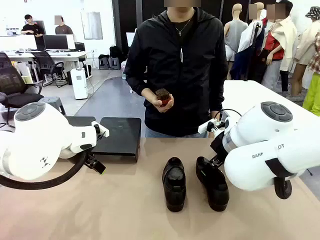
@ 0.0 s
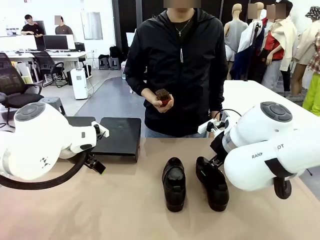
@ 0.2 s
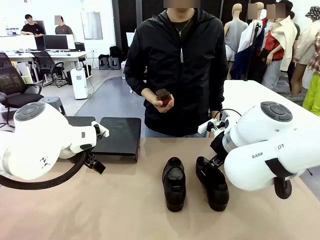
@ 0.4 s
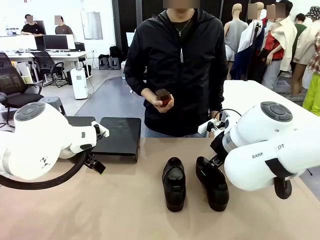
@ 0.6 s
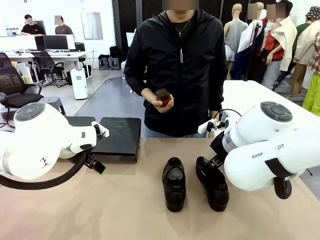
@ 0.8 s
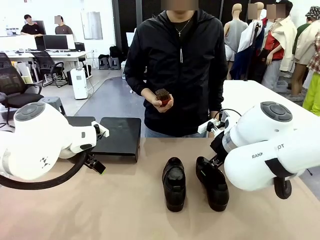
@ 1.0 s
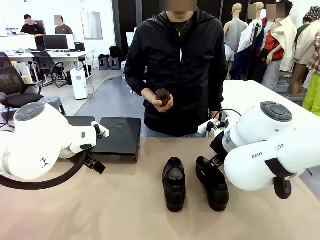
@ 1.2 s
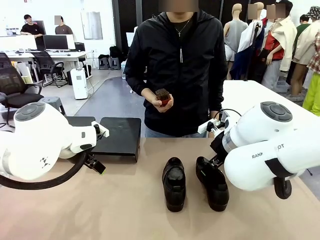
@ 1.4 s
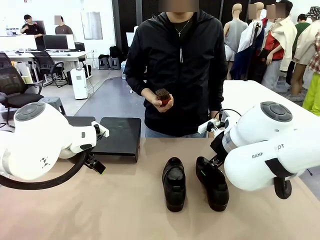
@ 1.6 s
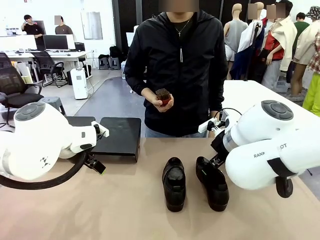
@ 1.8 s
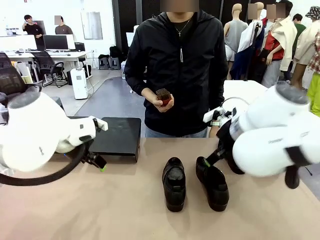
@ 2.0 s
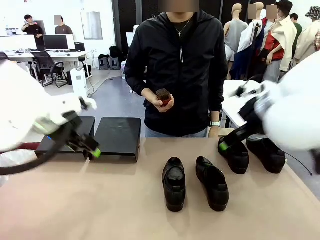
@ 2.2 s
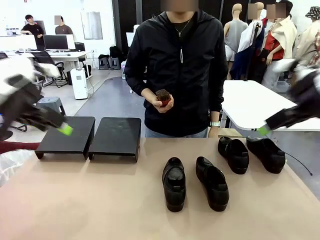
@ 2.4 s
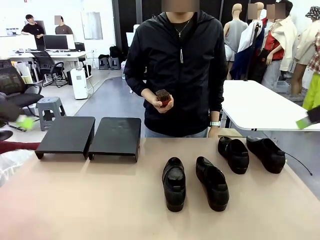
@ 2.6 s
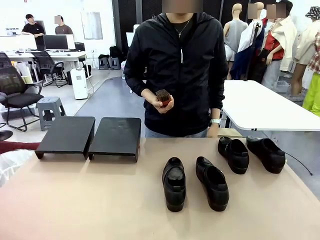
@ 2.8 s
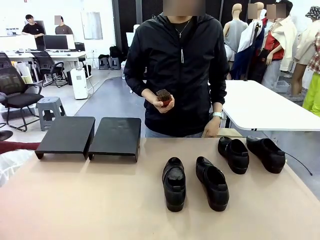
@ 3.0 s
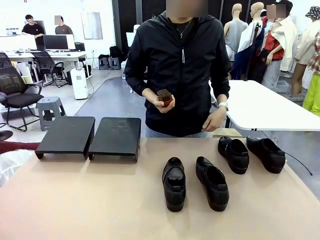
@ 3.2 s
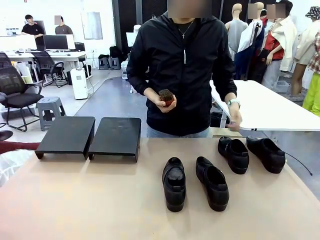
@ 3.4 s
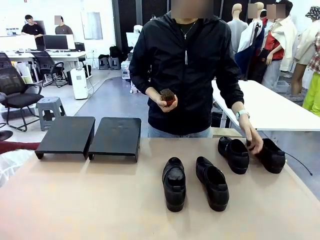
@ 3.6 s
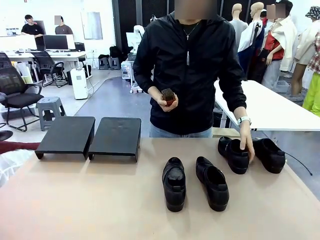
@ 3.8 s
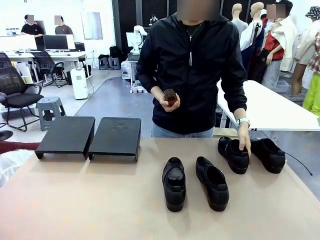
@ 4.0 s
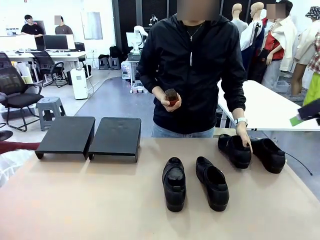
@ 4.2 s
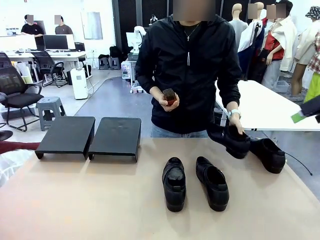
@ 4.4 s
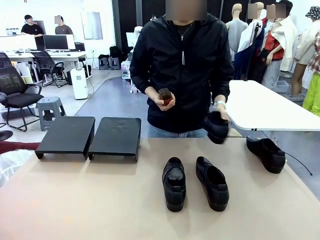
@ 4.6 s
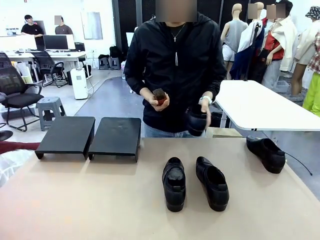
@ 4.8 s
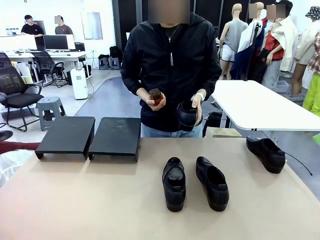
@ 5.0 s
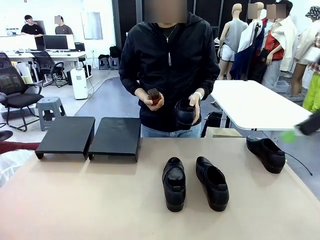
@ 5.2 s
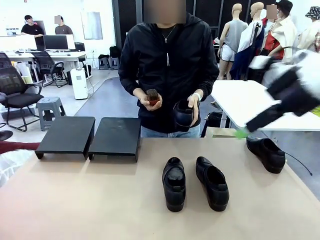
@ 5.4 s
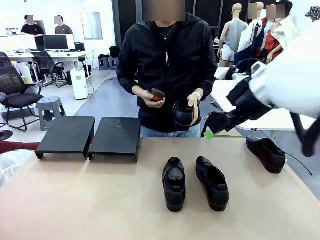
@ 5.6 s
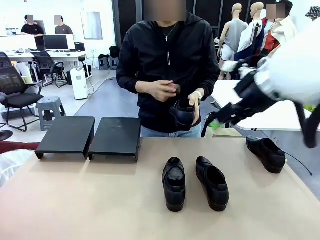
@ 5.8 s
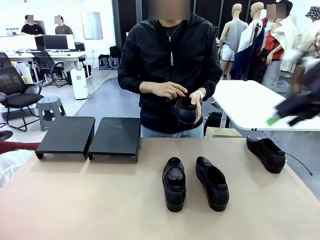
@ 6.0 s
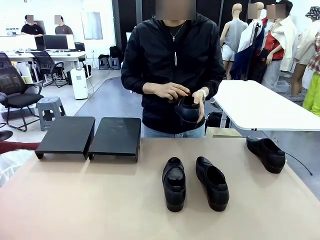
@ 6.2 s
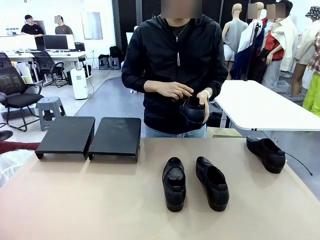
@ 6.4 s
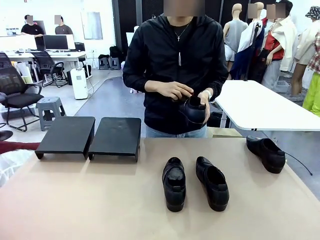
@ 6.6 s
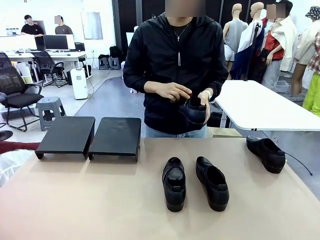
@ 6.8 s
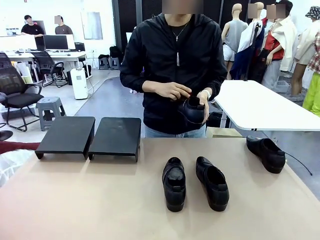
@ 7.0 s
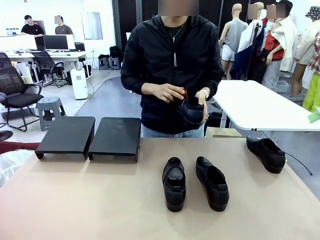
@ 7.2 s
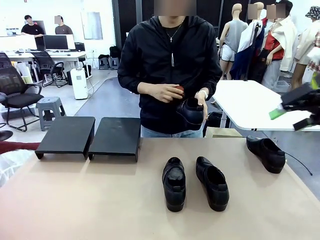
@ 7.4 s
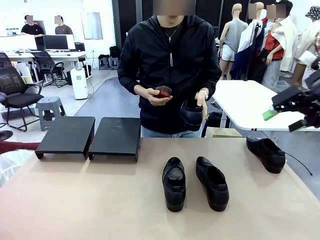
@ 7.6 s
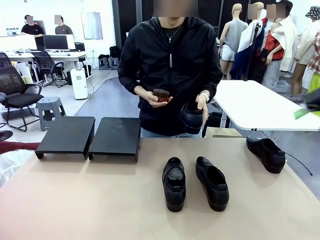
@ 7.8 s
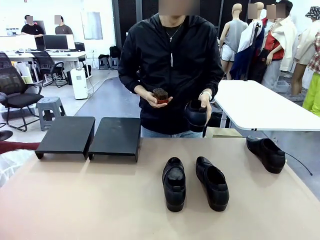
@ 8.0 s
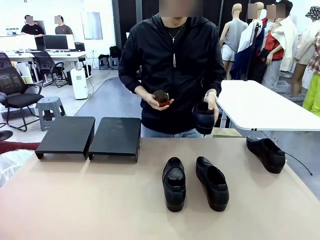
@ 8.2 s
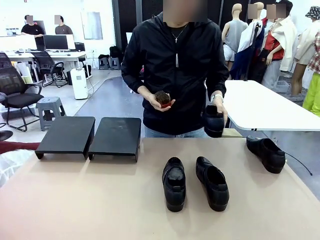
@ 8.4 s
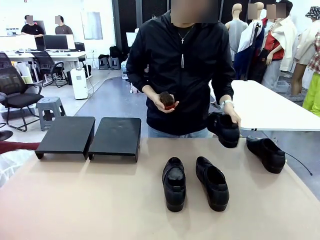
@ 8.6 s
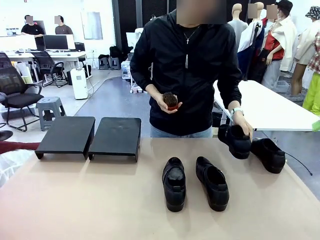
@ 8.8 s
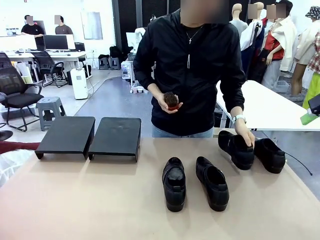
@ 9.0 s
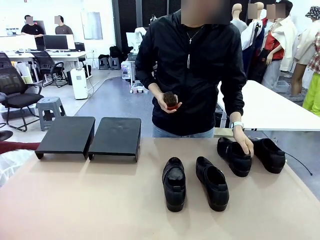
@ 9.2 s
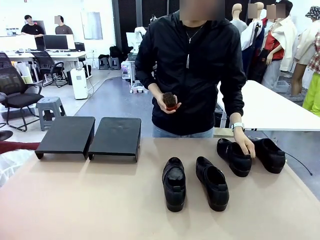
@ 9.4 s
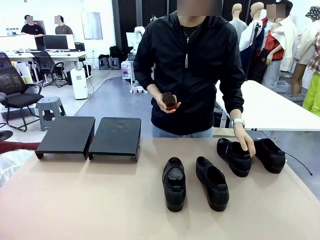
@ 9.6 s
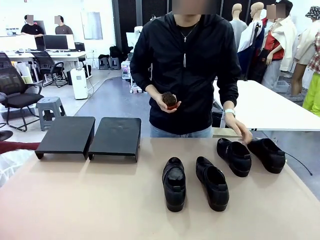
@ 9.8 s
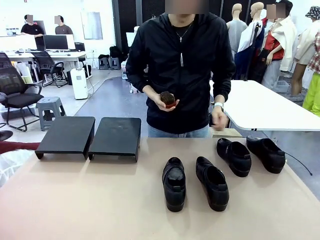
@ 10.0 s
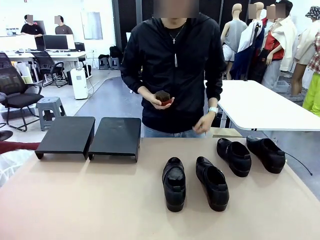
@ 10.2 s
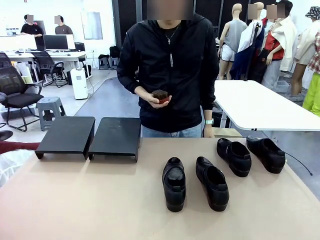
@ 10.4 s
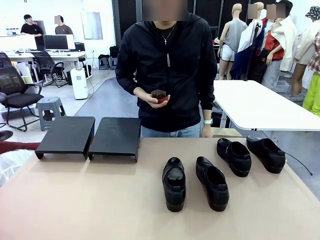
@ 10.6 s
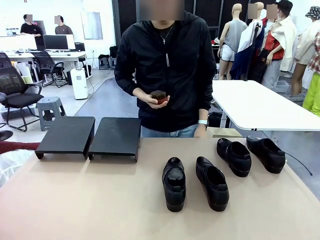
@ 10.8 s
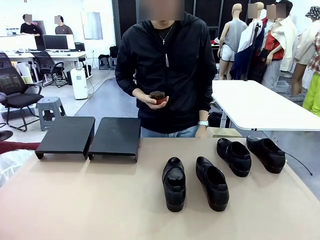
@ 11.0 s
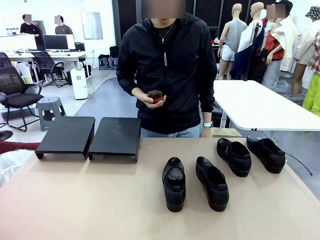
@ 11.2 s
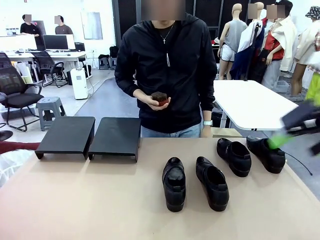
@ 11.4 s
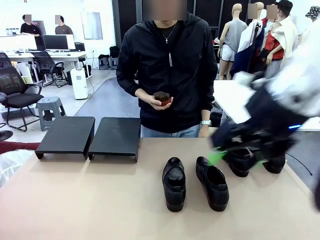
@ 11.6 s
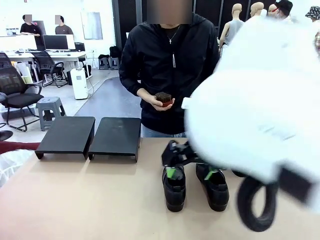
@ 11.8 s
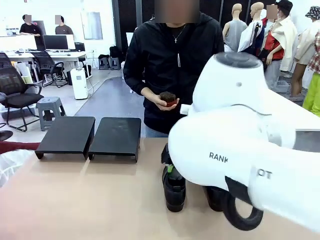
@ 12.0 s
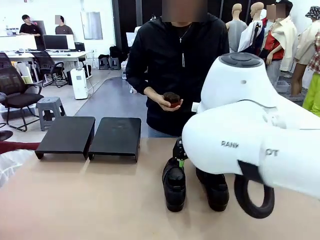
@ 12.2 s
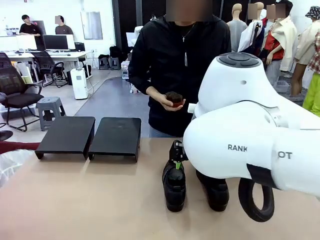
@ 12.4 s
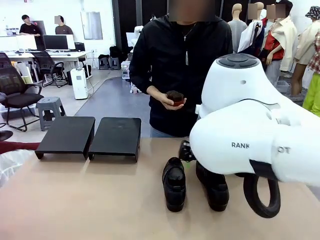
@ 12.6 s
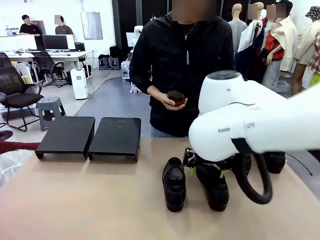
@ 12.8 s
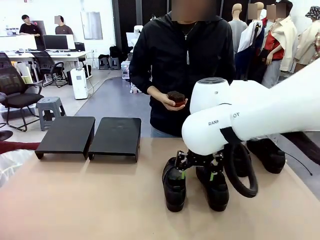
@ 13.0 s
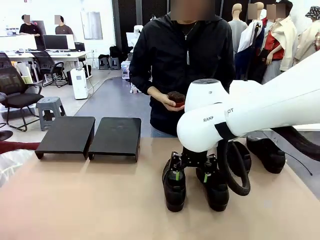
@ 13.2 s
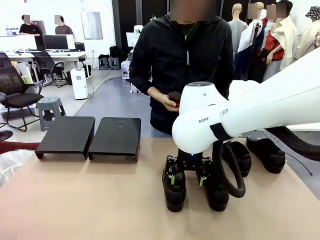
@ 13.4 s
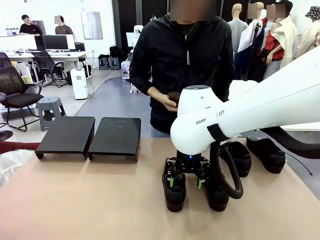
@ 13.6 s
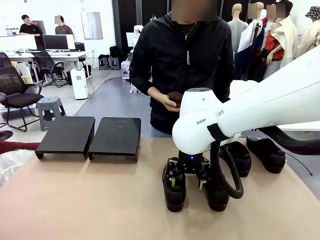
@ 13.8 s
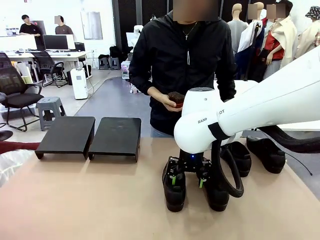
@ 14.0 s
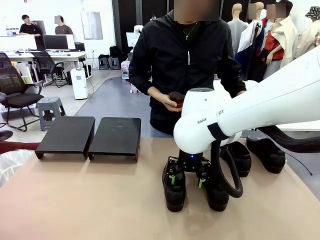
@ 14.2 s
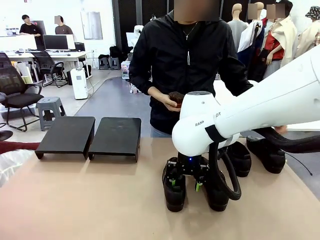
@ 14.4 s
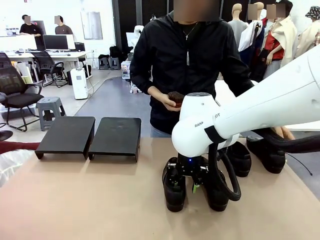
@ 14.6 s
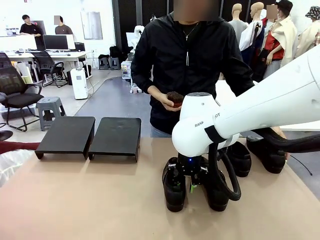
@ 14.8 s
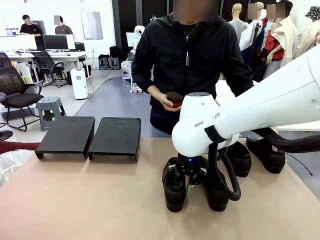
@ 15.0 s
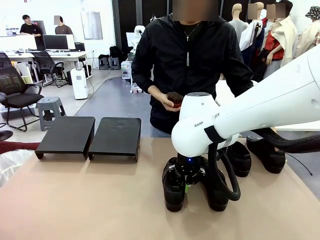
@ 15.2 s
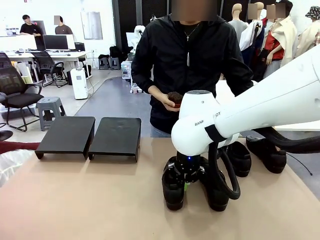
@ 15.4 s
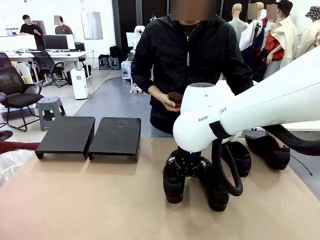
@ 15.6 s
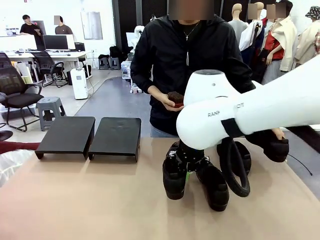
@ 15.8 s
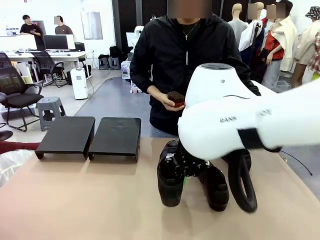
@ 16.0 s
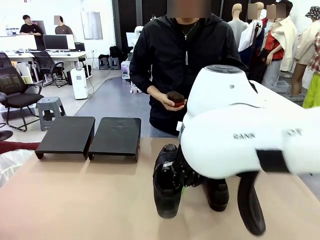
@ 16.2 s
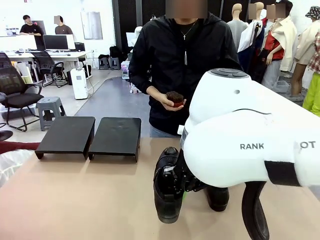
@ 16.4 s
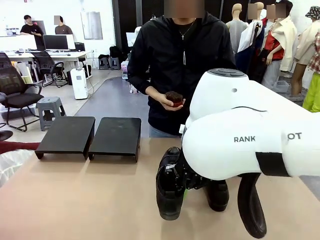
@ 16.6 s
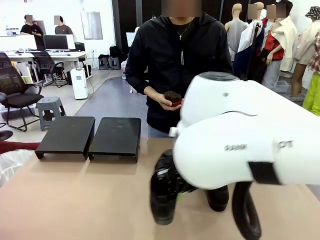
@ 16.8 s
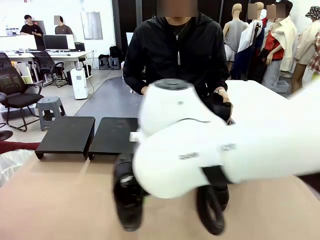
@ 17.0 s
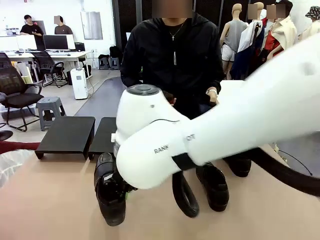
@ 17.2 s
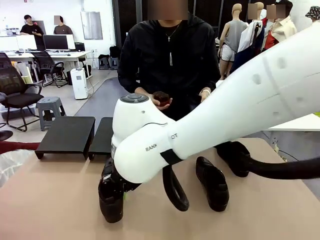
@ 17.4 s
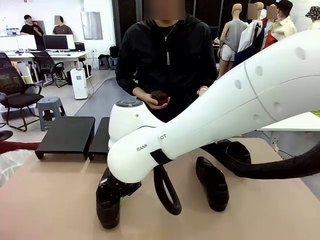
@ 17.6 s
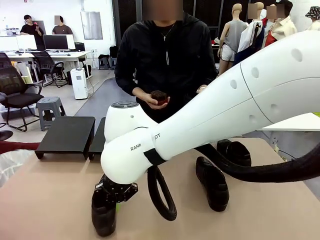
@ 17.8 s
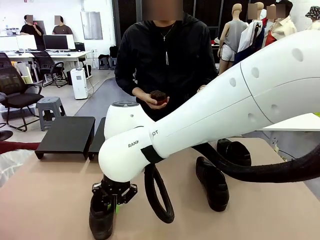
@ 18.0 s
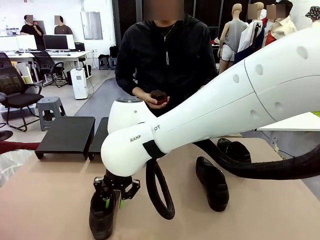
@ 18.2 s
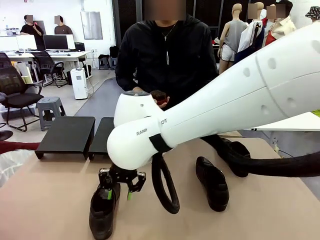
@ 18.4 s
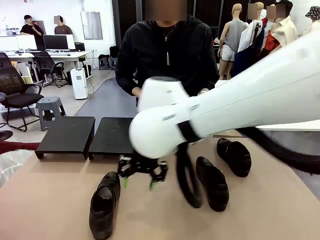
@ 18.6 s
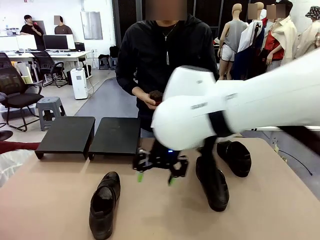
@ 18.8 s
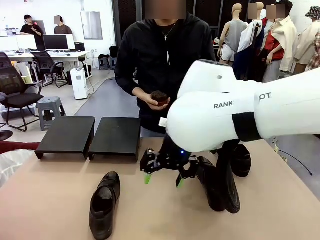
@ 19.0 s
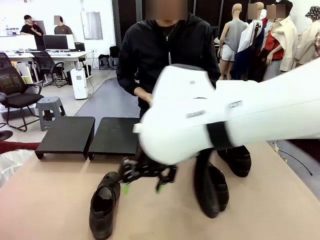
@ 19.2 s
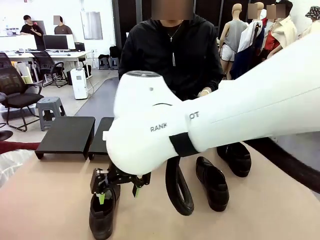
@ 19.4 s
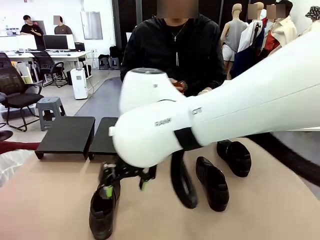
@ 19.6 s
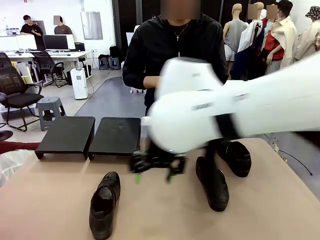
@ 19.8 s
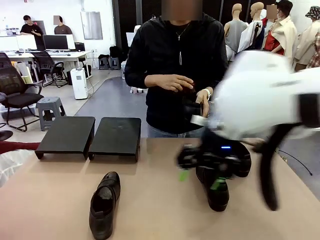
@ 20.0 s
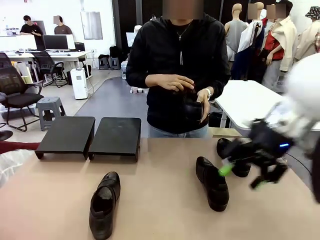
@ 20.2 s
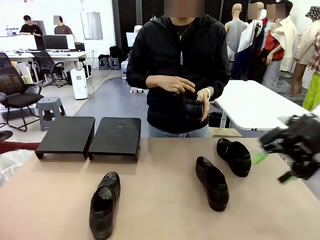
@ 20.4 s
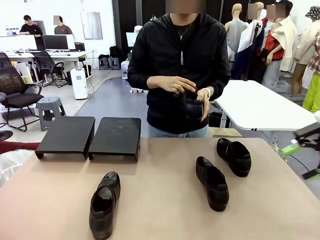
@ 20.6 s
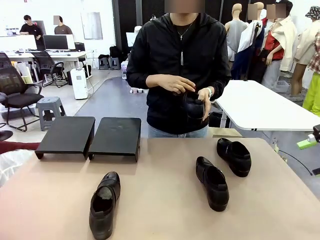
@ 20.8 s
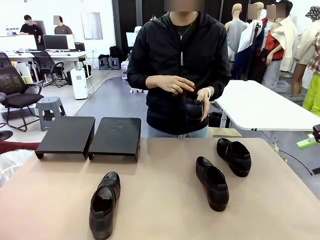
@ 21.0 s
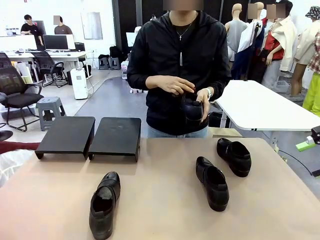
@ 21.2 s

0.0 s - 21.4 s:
Task: Organize the shoes by placing them on the stand.
Robot: Pick up one Shoe and place it in the middle of the table.
Person: Pick one Shoe on Robot's table. Clean the Shoe with the Shoe Brush. Place the Shoe on left side of the Robot's table. Pick one Shoe on Robot's table.
